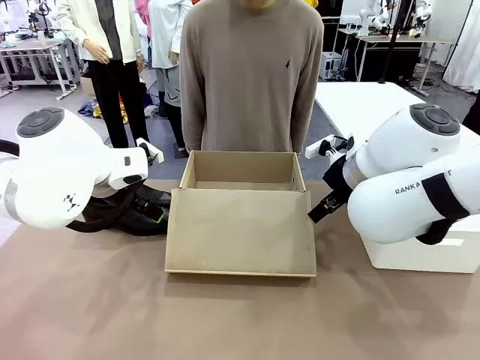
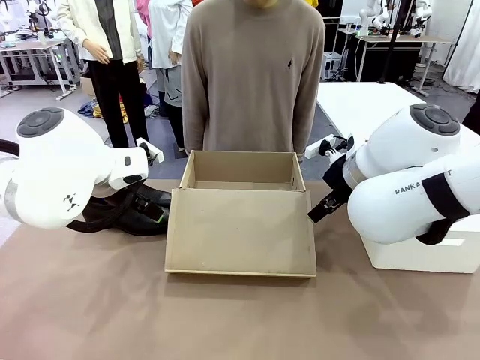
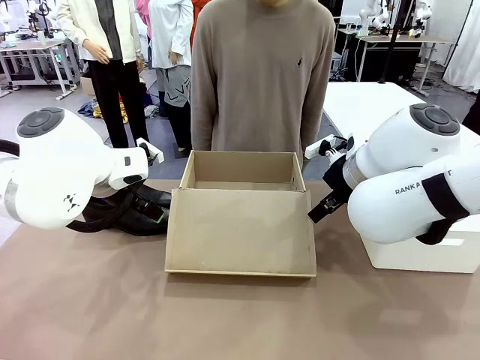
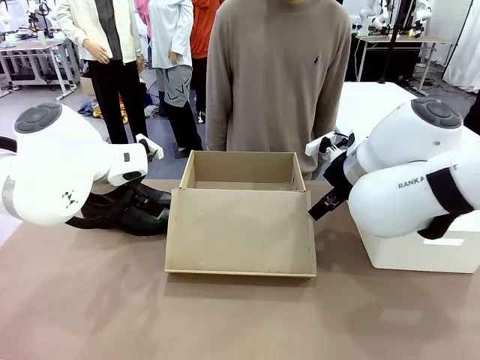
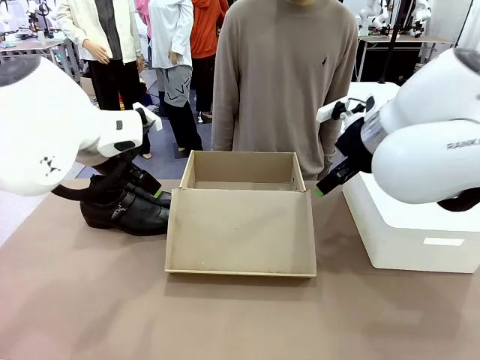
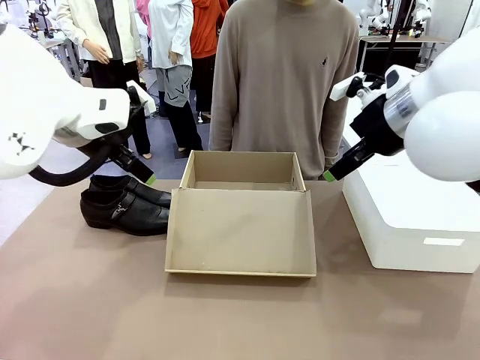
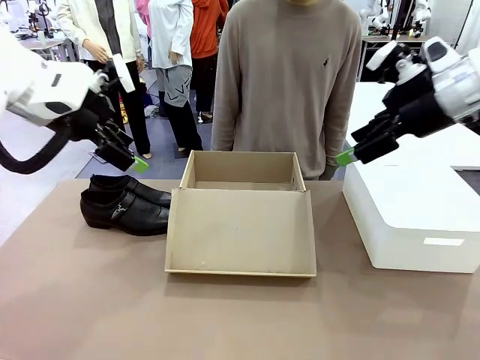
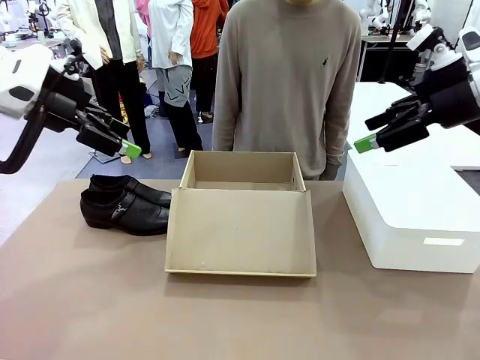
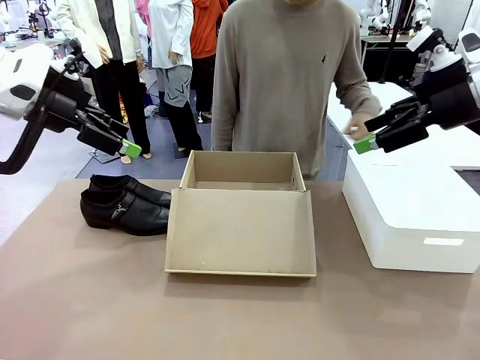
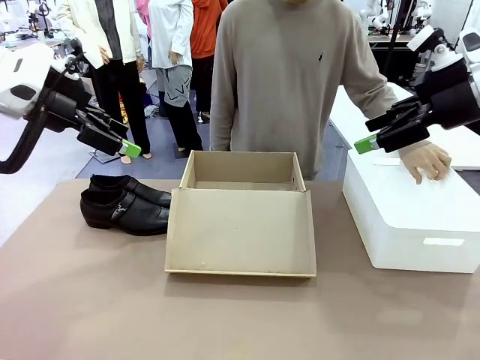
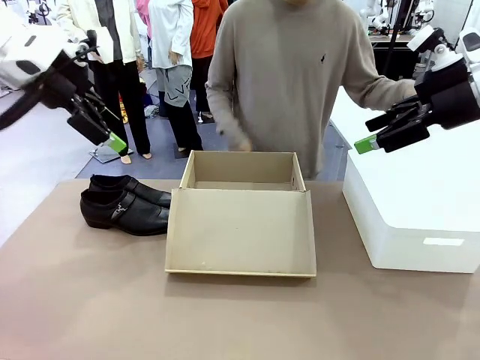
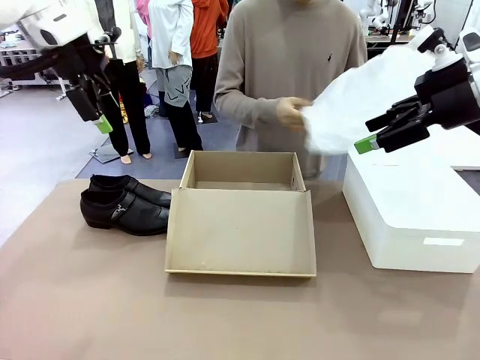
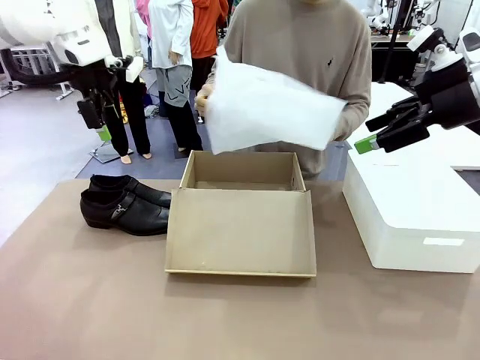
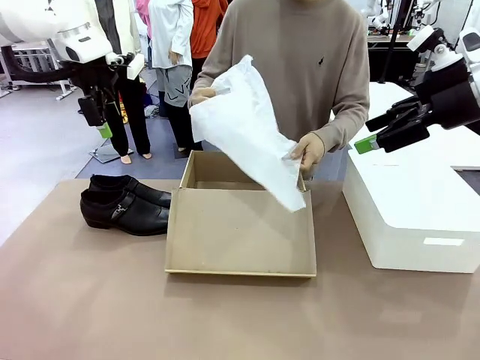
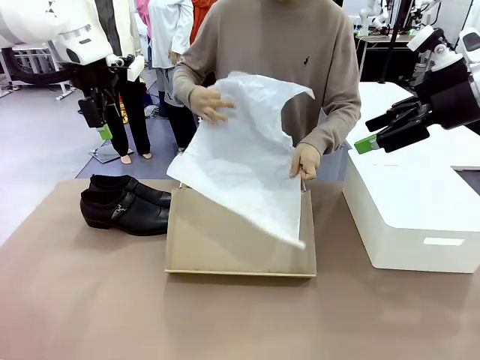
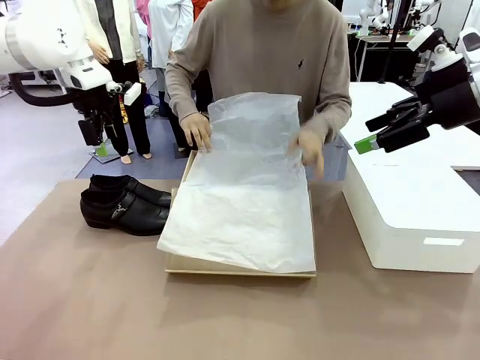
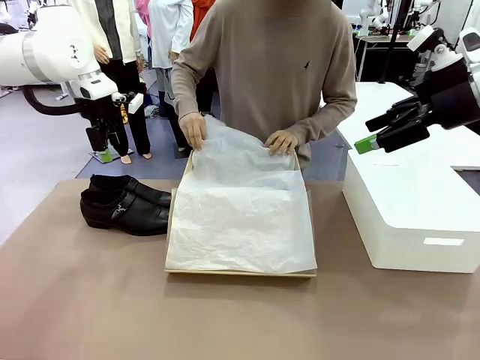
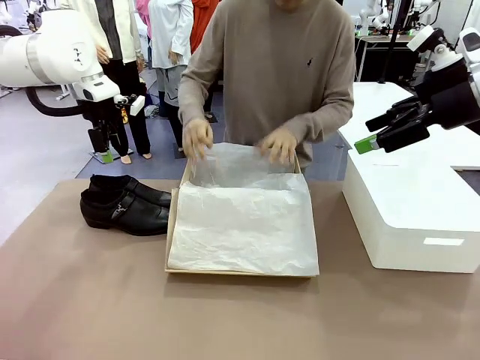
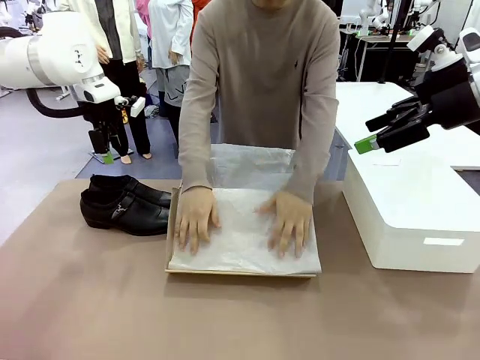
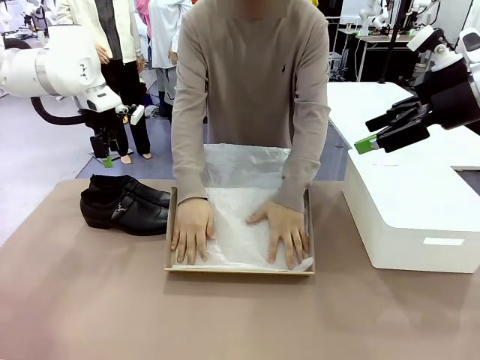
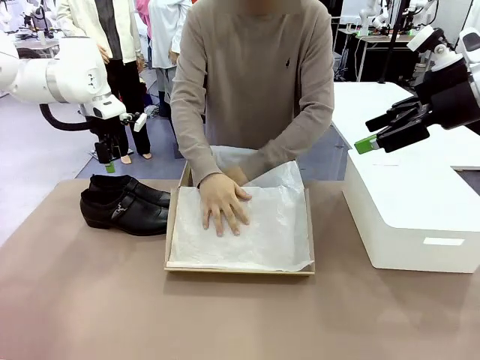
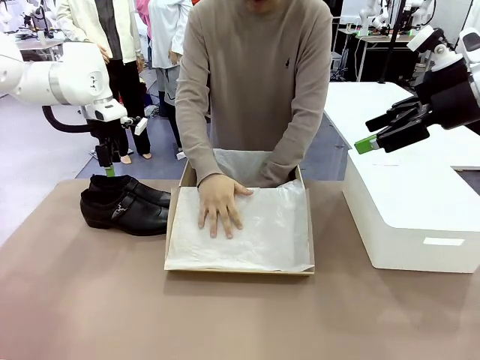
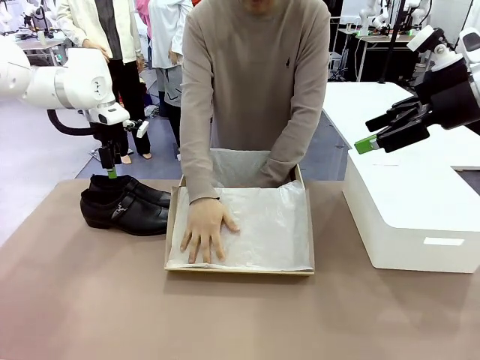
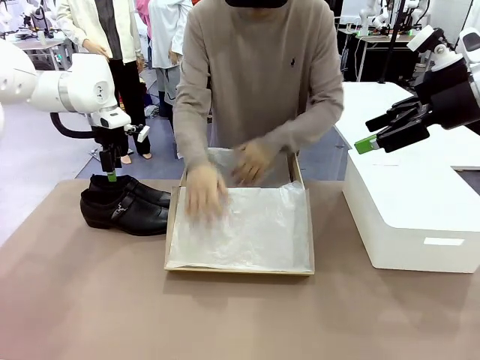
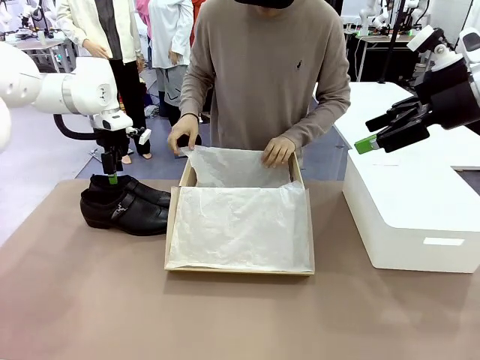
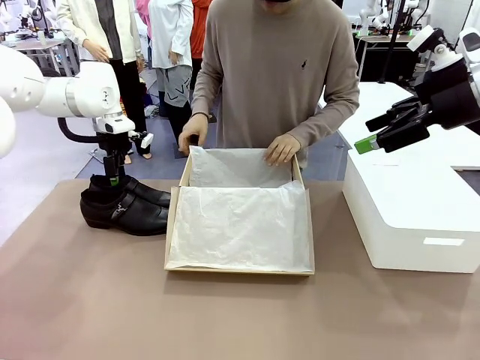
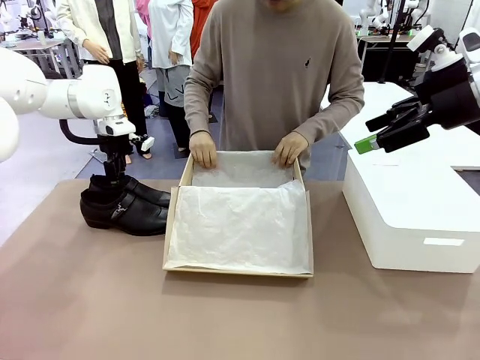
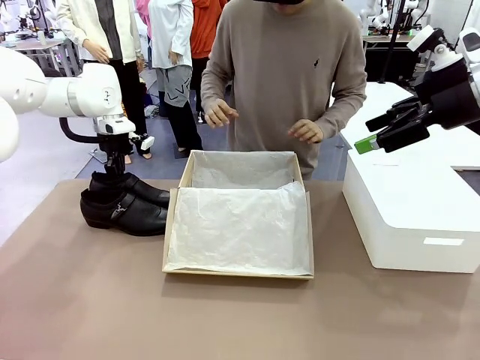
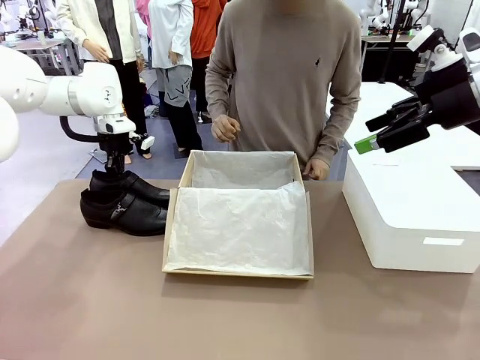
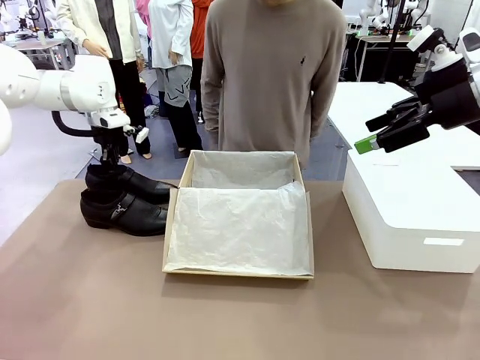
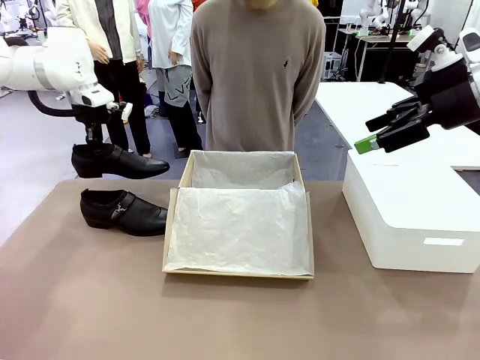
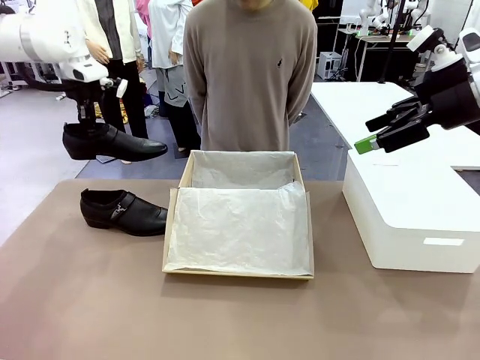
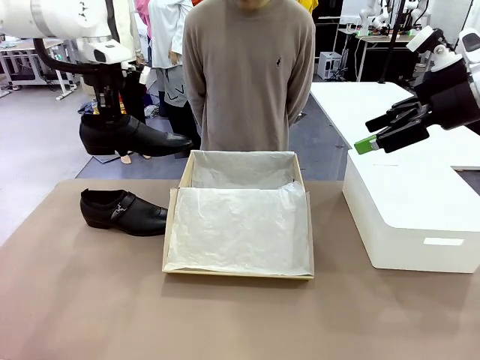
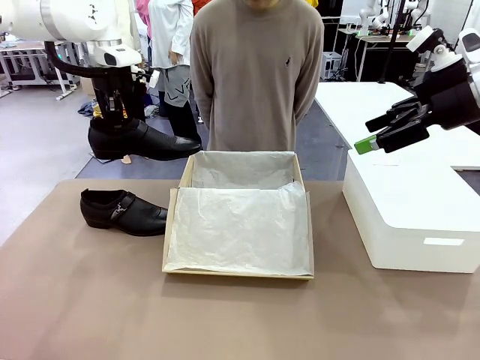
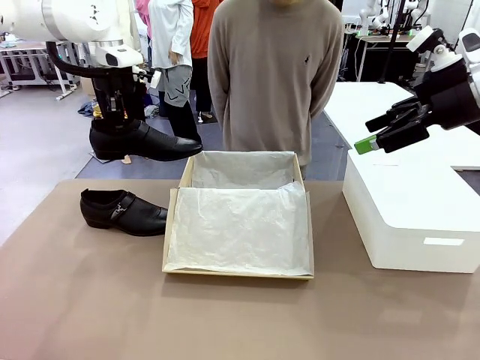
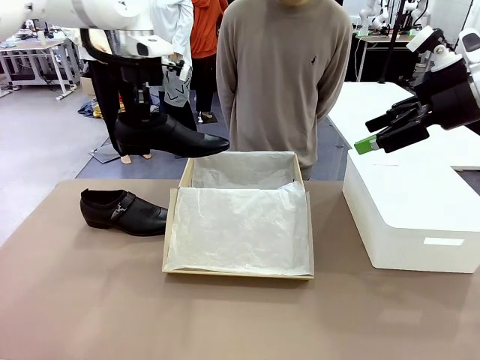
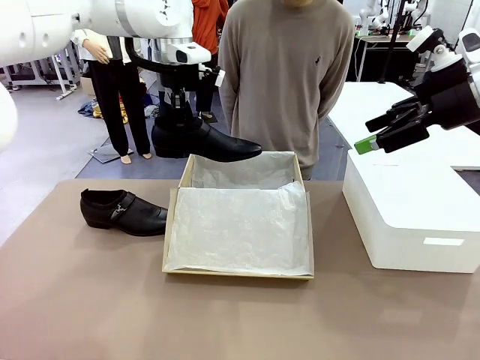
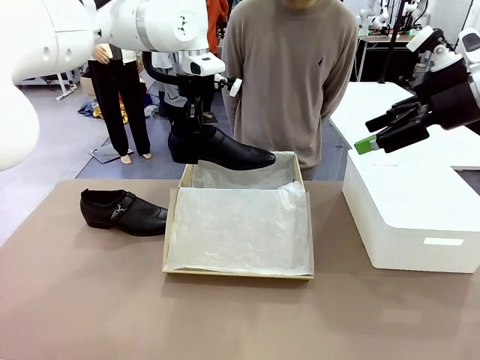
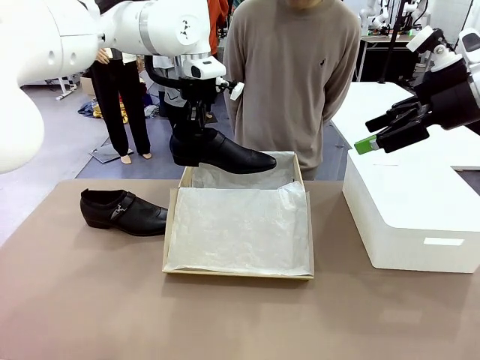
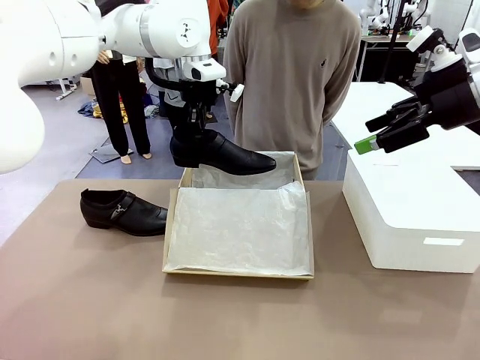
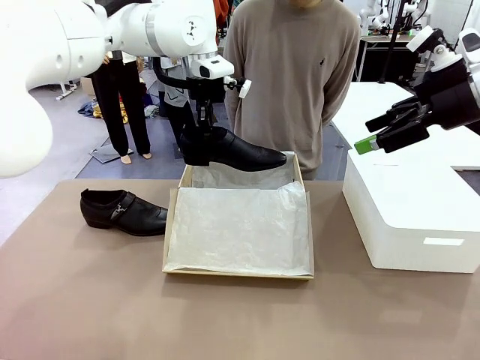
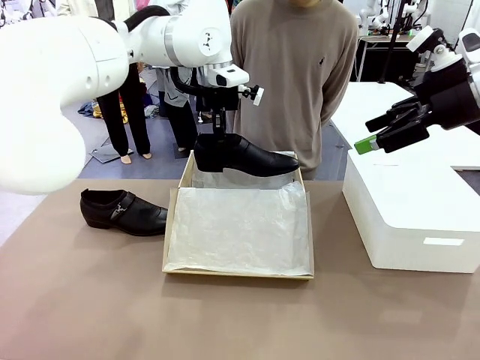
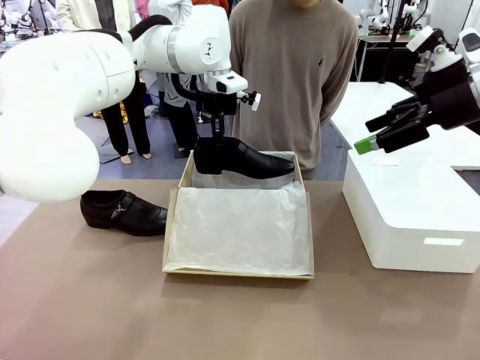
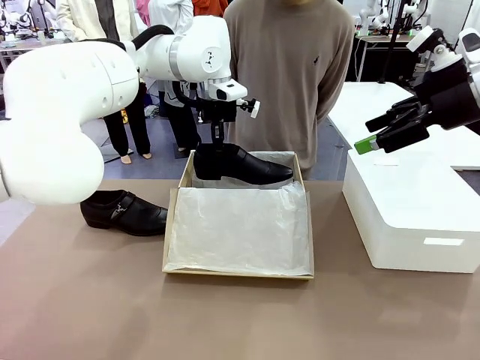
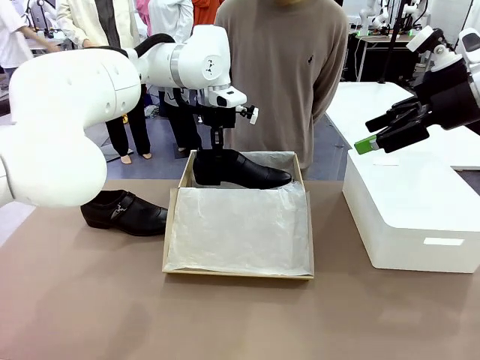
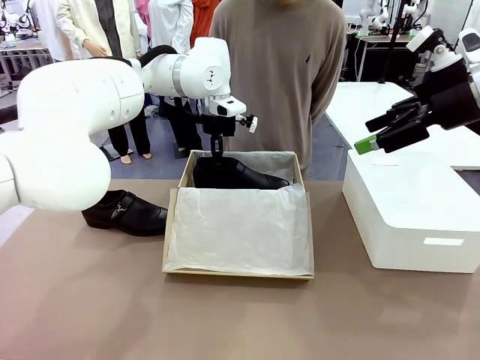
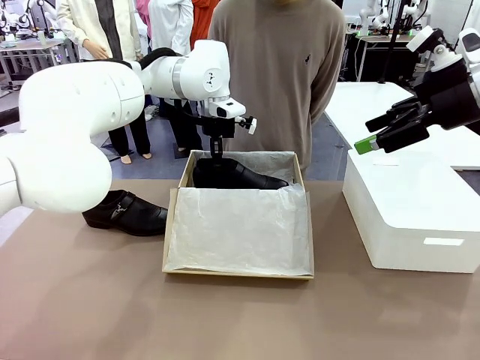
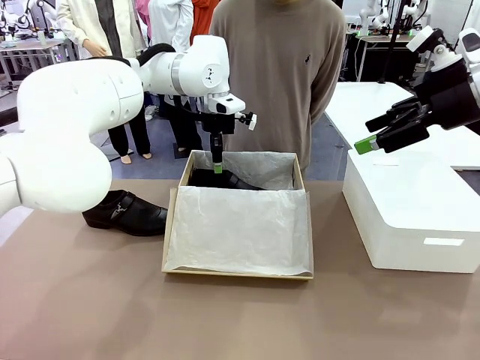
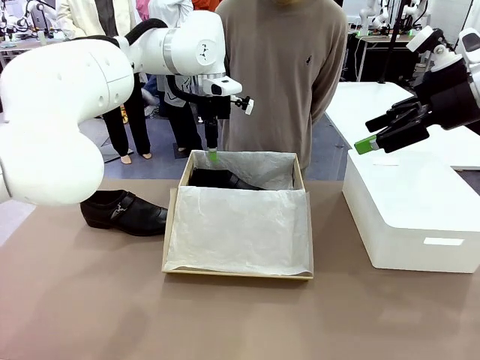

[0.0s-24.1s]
Task: Pack the shoes into the box.
Robot: Place one shoe of the Shoes into the Shoes Box.
Person: Spread Shoes Wrapping Paper and place inside the Shoes Box.
